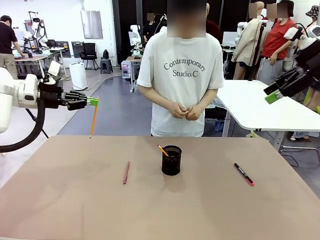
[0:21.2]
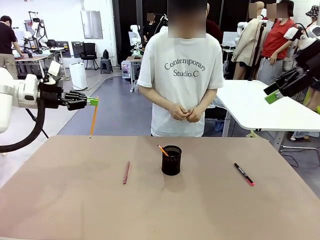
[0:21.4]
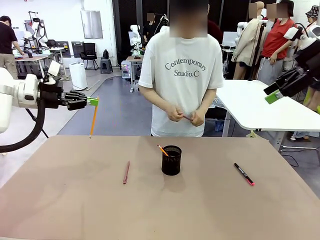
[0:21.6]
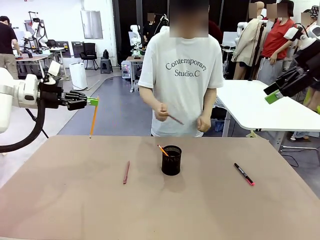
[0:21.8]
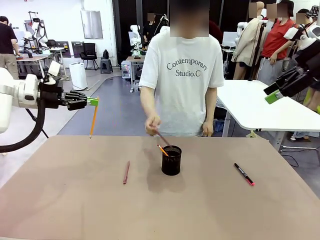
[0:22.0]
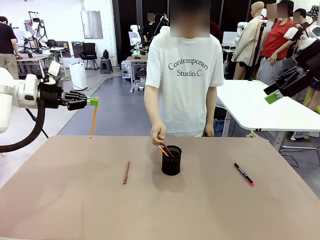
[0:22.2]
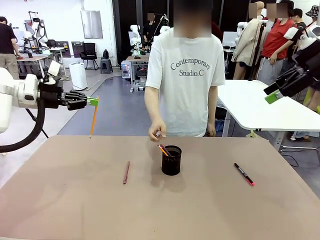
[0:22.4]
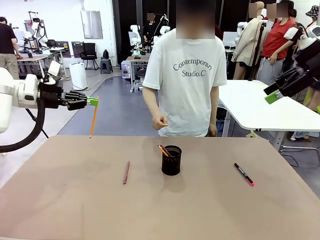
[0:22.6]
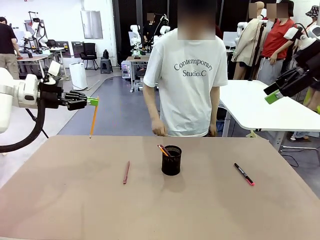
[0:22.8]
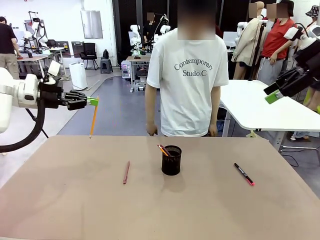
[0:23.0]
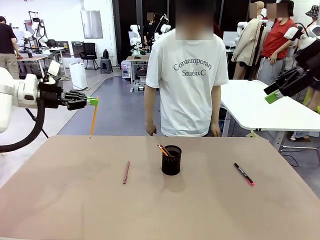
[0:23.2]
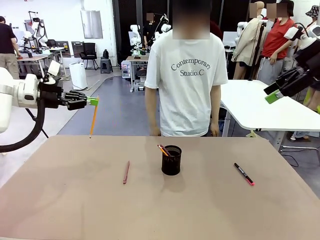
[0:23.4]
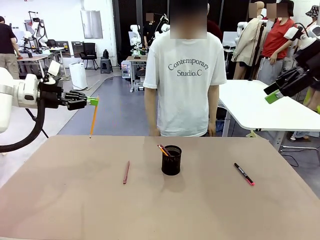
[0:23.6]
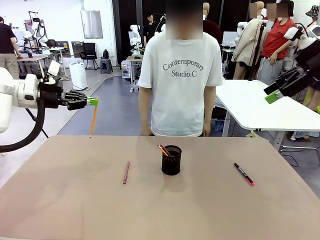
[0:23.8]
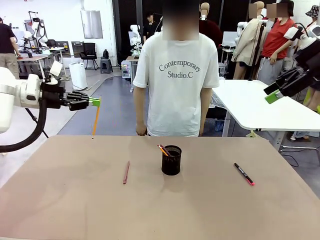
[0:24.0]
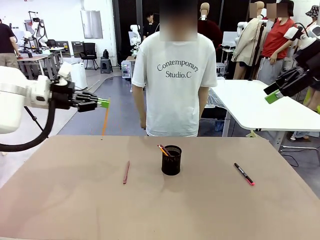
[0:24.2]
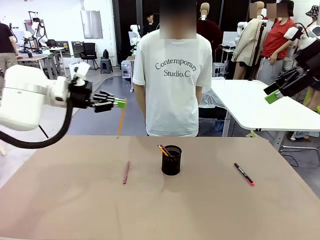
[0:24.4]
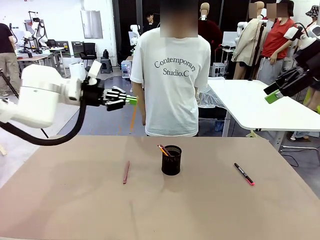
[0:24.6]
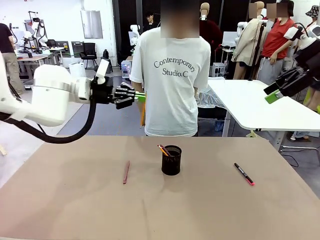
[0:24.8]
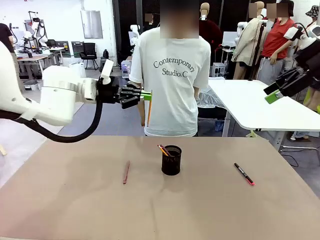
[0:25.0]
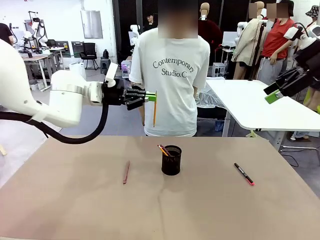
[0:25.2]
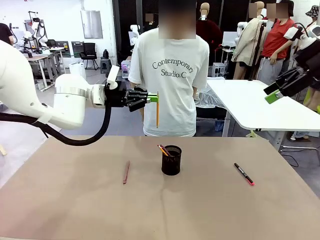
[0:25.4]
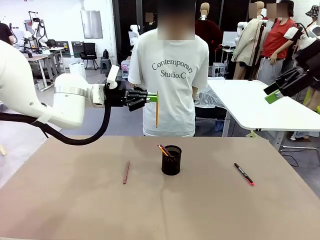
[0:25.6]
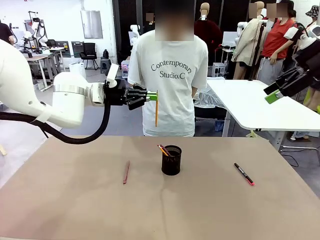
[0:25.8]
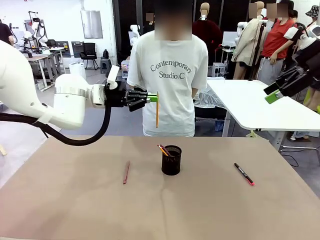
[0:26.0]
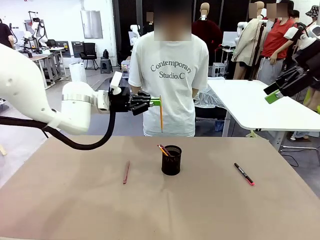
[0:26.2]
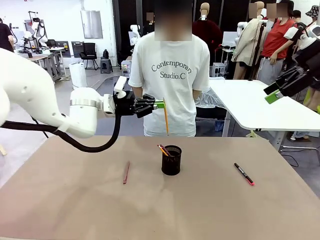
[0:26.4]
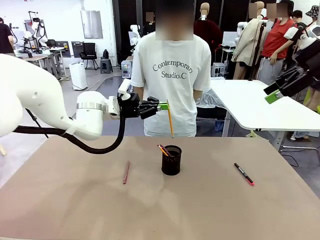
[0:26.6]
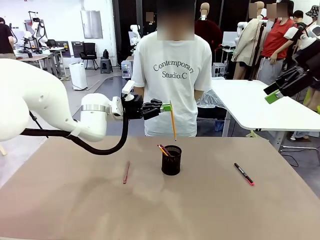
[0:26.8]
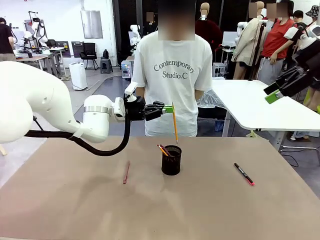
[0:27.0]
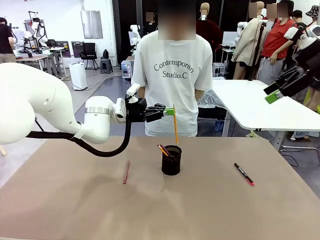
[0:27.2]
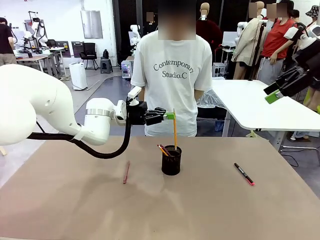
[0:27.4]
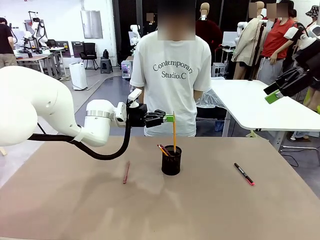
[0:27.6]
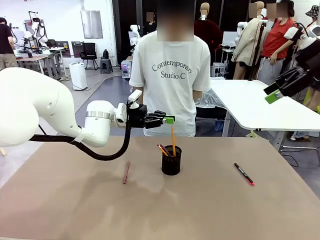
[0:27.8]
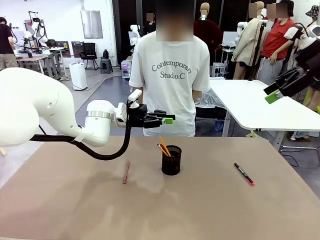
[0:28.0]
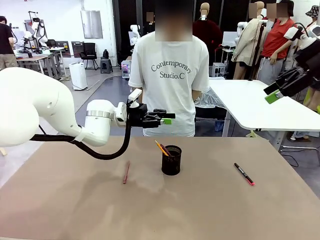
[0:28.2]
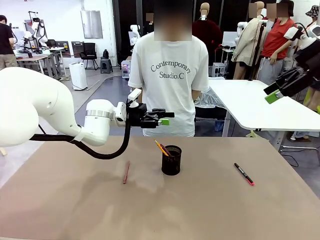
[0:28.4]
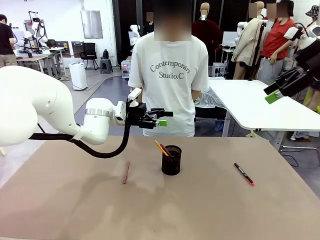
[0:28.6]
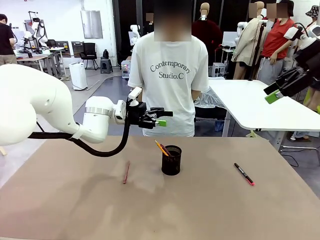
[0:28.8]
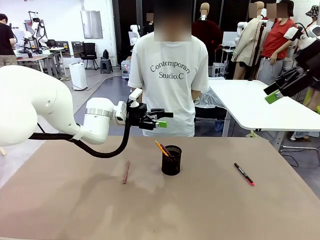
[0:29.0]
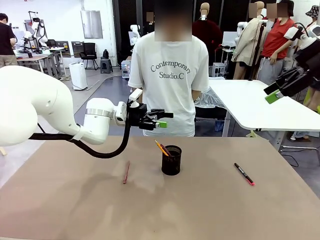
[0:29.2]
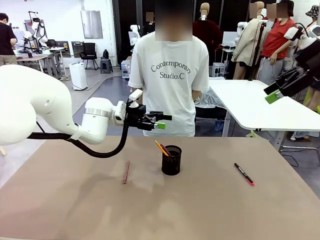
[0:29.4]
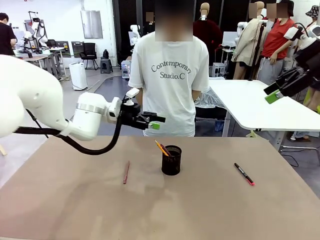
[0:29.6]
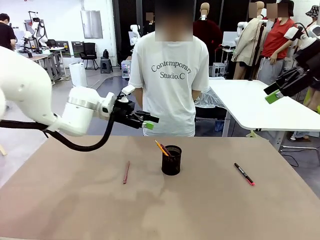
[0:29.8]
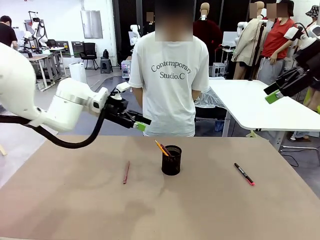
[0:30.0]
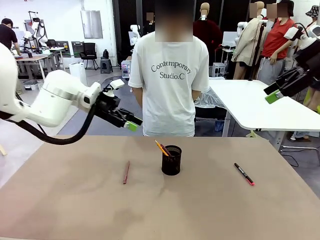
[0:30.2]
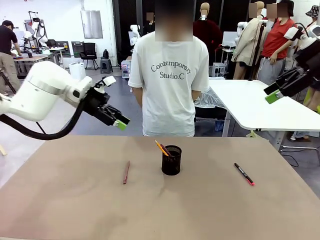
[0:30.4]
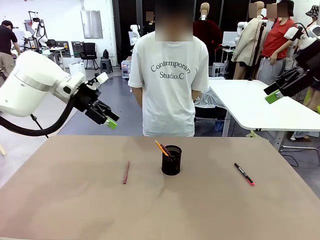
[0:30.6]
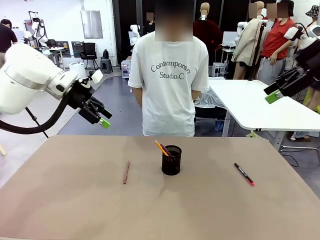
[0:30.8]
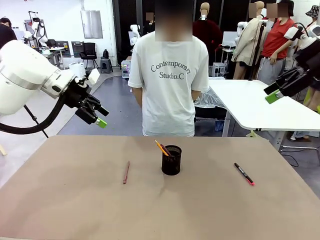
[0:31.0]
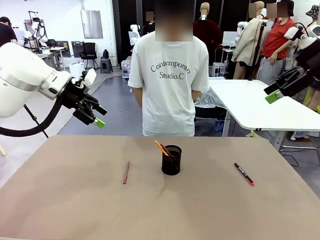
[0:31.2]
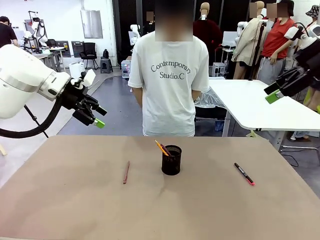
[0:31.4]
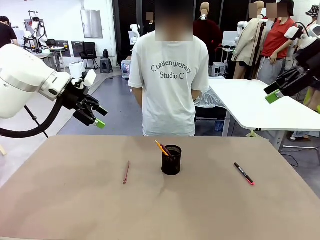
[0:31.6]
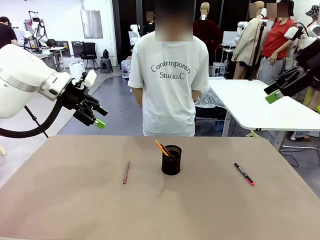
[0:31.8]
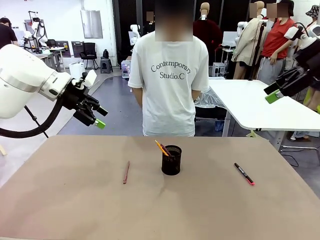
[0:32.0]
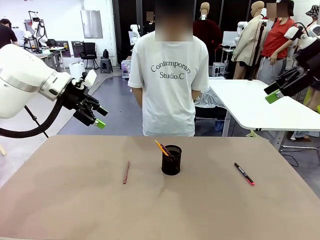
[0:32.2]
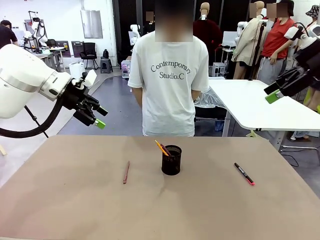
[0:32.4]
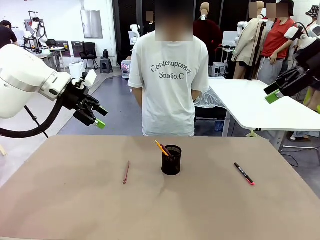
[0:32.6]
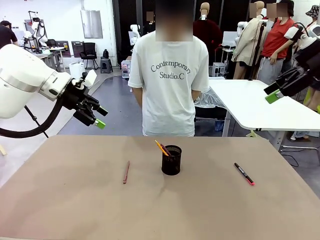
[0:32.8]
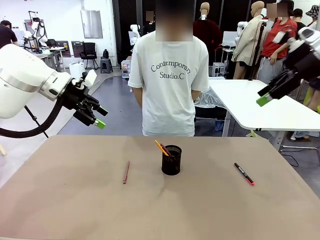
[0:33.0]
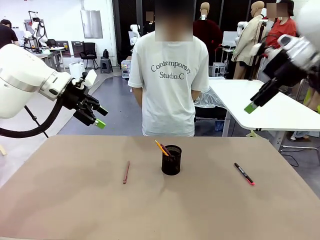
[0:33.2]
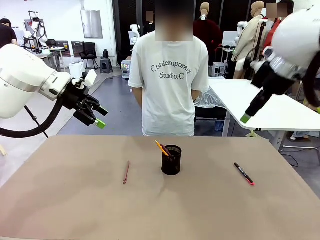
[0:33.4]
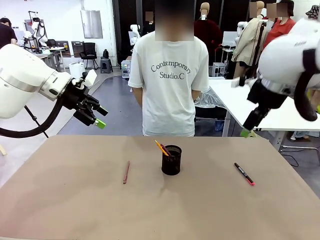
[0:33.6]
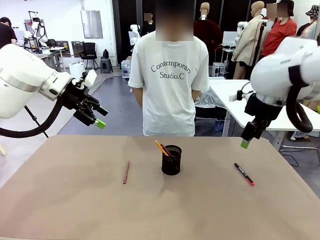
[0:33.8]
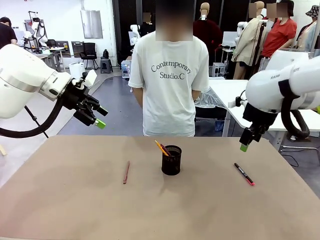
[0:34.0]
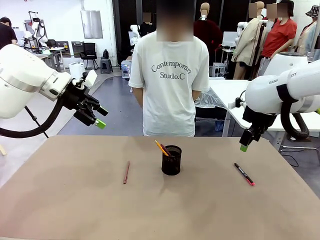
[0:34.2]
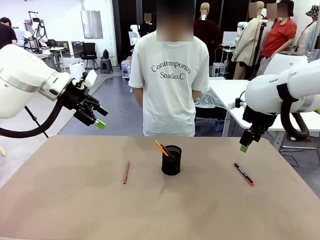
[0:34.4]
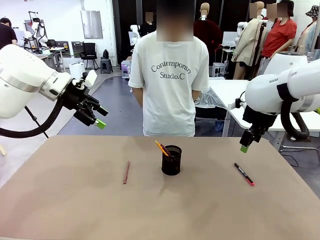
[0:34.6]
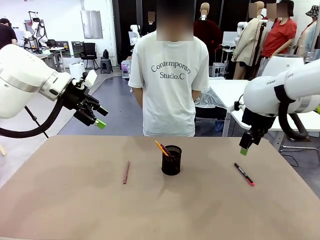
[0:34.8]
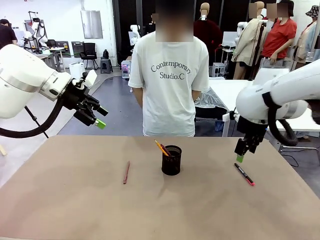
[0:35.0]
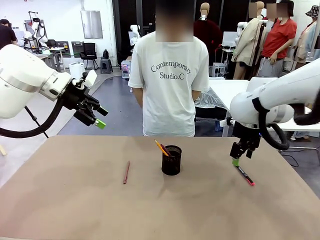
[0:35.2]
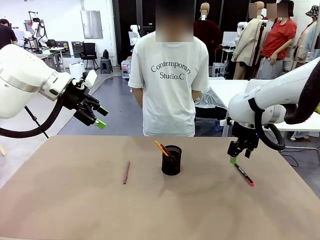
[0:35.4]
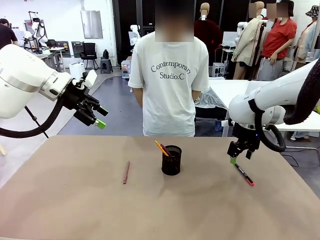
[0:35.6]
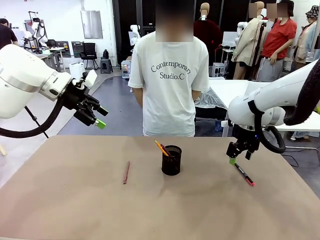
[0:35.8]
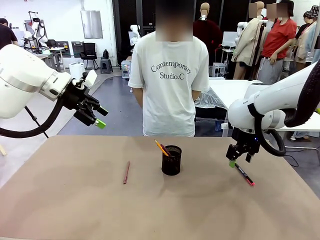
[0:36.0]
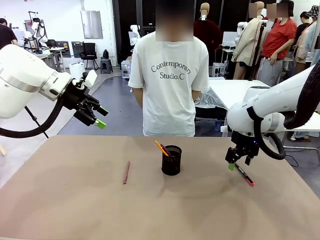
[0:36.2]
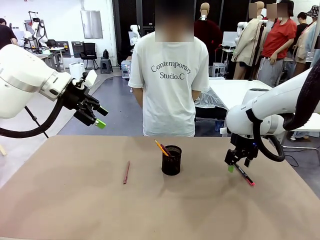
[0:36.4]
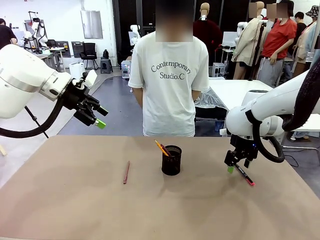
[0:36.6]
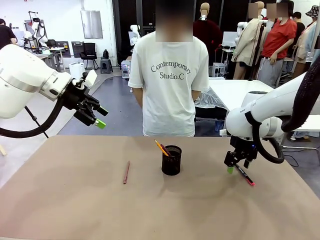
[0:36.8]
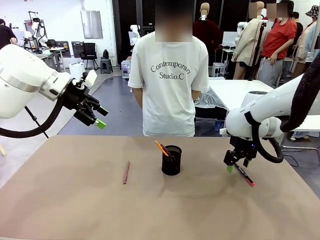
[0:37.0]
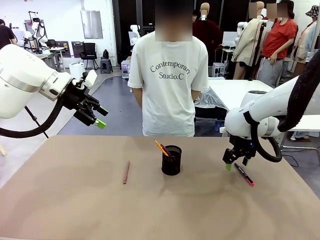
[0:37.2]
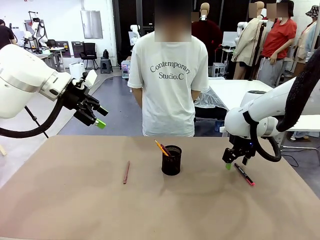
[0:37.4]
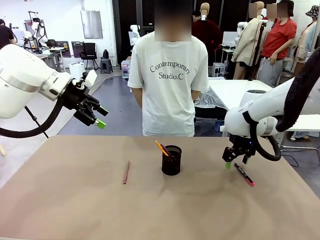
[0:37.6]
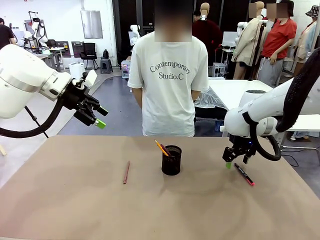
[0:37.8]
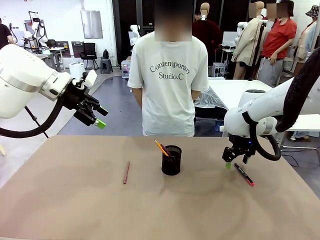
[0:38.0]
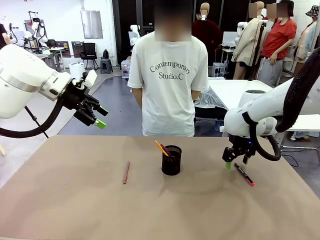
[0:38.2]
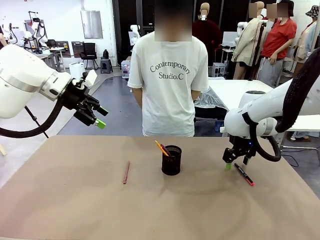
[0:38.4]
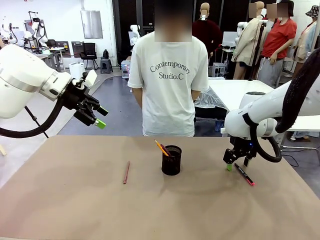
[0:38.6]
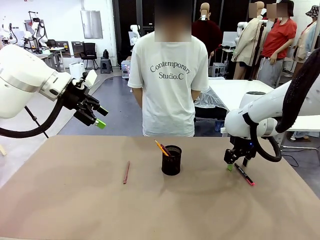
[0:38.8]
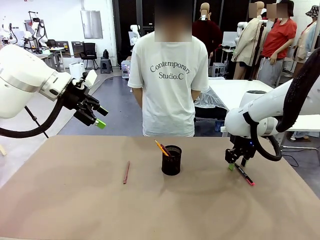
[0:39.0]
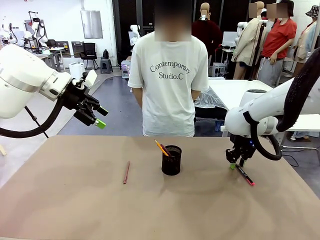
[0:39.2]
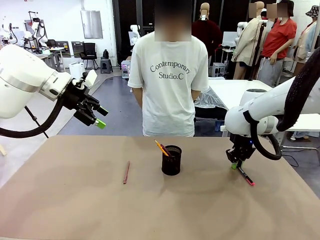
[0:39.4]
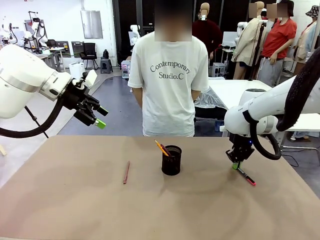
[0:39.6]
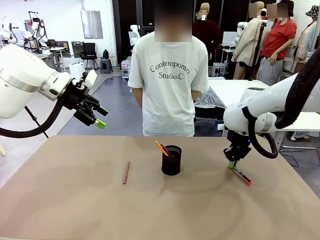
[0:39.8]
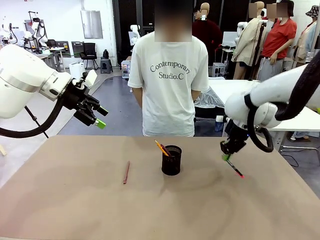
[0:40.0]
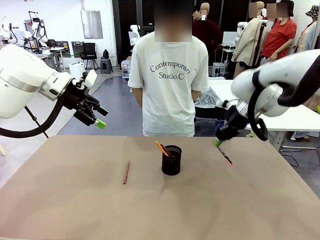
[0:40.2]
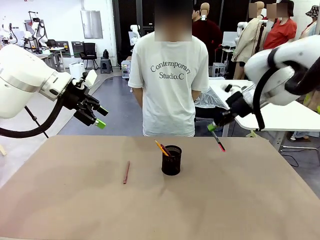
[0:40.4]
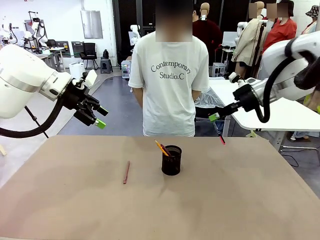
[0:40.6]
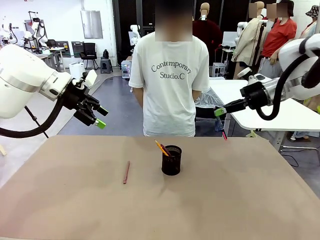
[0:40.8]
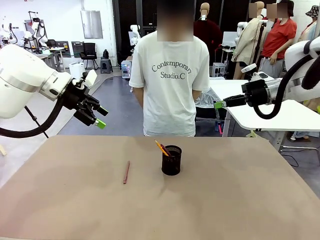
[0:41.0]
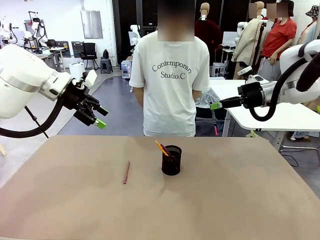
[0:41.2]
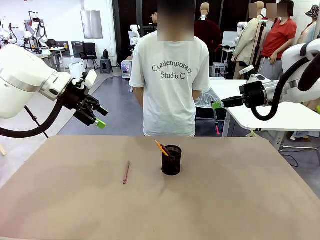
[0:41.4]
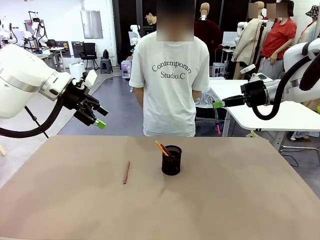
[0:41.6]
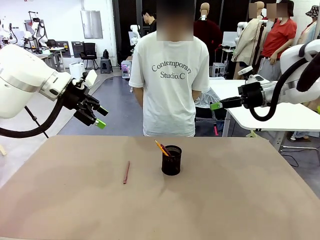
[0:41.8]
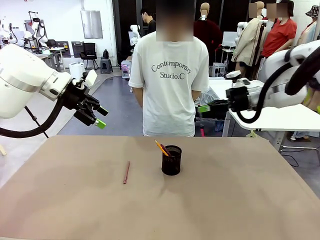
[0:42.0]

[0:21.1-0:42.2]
Task: Place the pens into the pen holder.
Robot: Pick up a writing instrument from the table and place it into the Pen holder.
